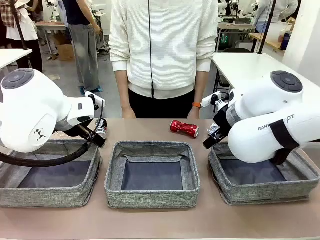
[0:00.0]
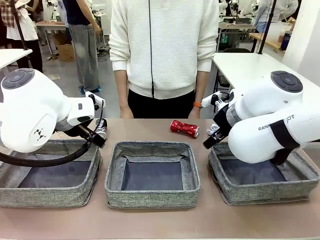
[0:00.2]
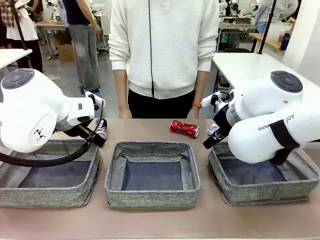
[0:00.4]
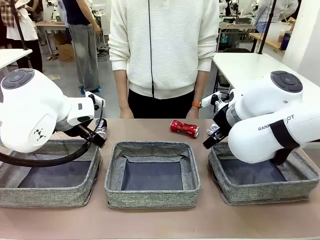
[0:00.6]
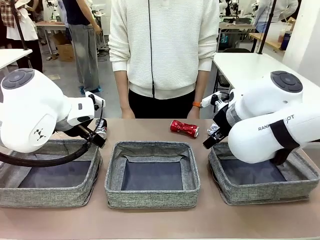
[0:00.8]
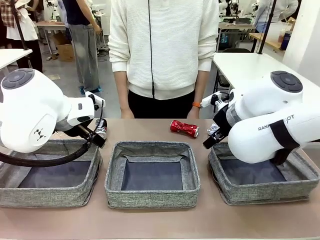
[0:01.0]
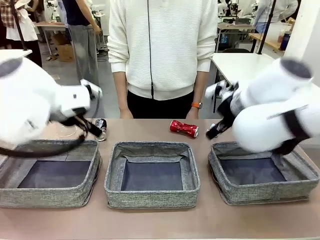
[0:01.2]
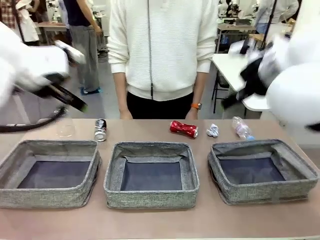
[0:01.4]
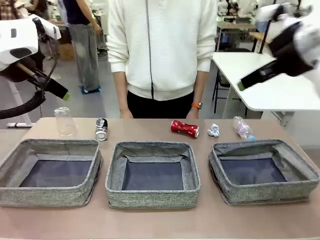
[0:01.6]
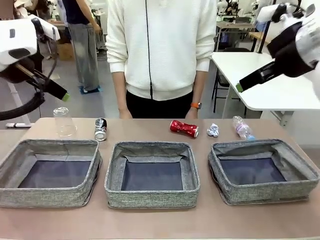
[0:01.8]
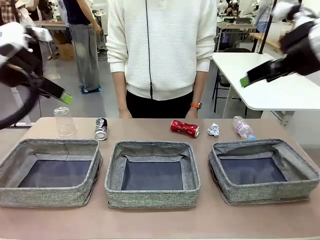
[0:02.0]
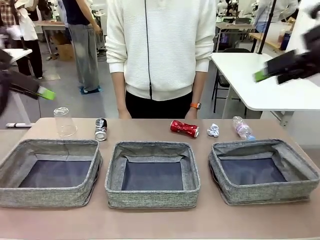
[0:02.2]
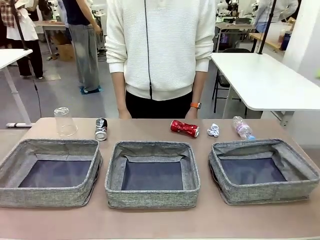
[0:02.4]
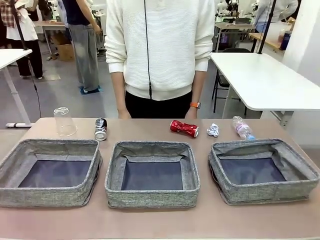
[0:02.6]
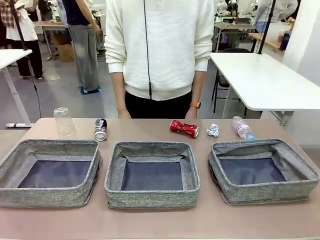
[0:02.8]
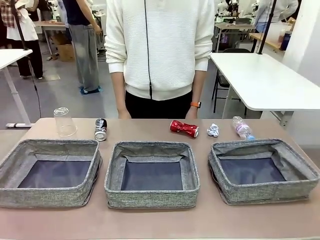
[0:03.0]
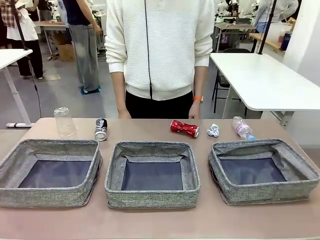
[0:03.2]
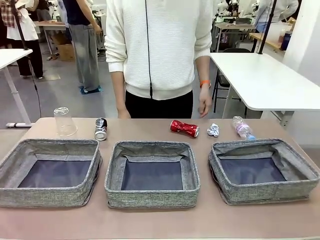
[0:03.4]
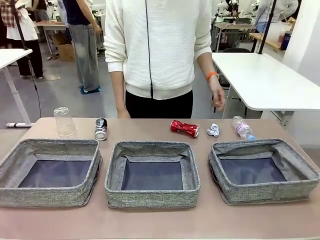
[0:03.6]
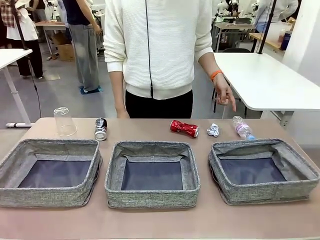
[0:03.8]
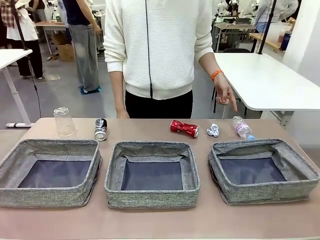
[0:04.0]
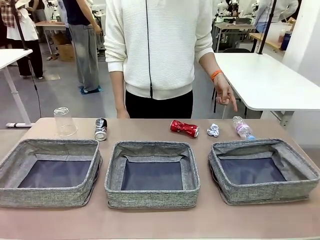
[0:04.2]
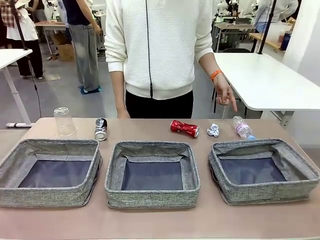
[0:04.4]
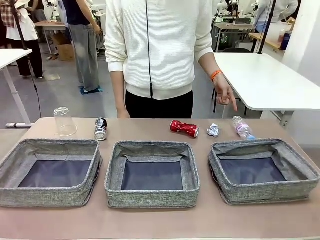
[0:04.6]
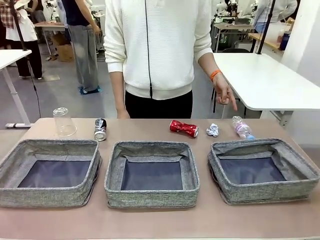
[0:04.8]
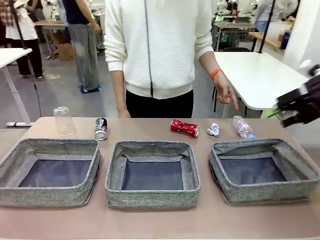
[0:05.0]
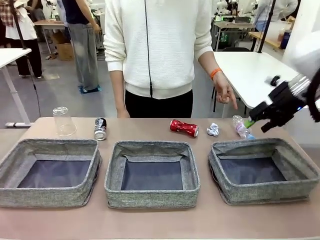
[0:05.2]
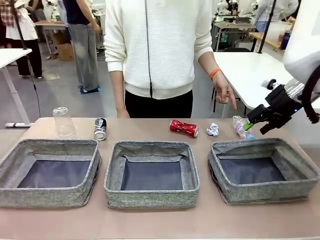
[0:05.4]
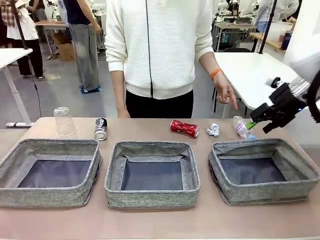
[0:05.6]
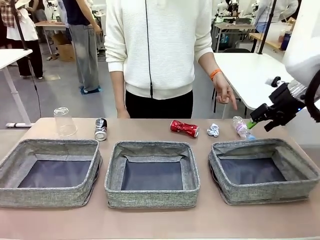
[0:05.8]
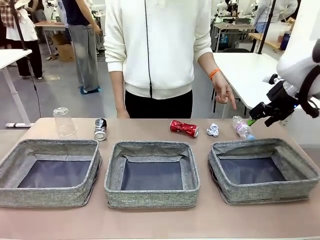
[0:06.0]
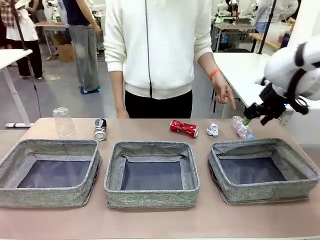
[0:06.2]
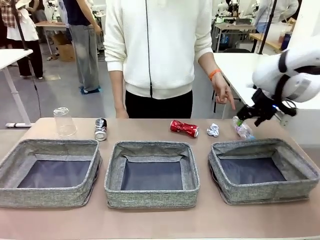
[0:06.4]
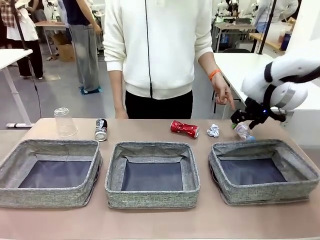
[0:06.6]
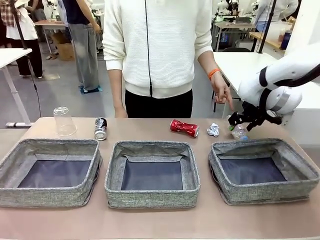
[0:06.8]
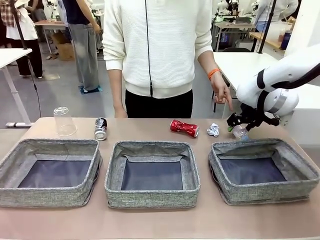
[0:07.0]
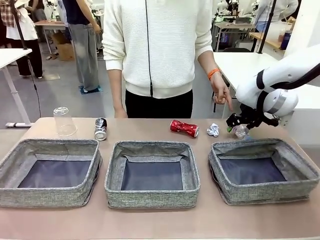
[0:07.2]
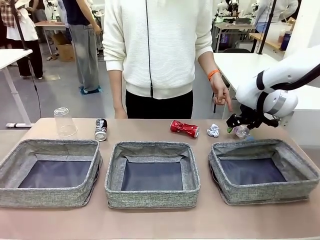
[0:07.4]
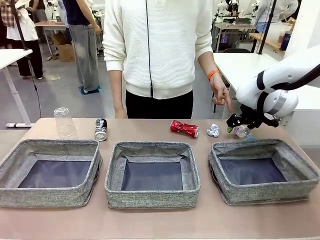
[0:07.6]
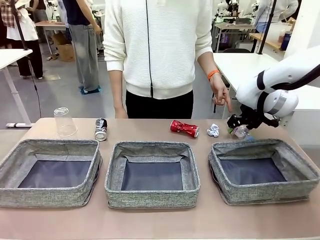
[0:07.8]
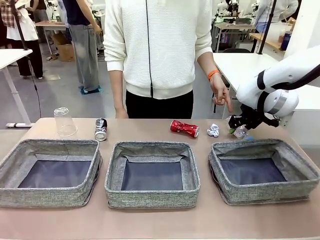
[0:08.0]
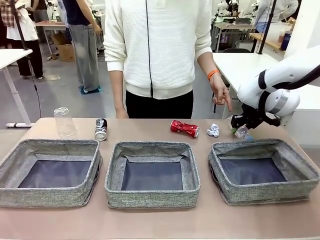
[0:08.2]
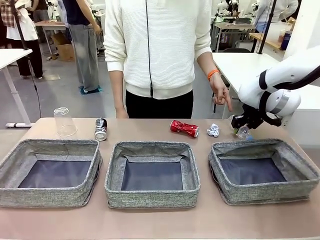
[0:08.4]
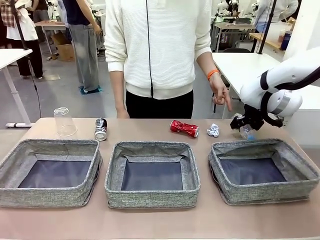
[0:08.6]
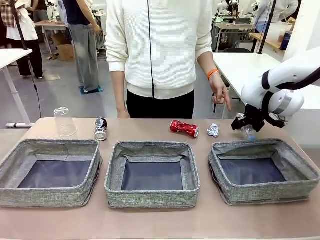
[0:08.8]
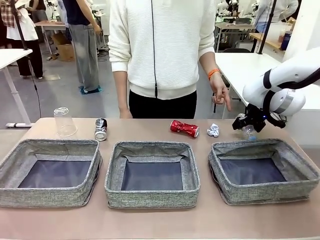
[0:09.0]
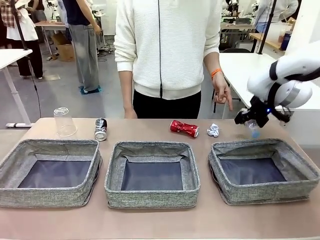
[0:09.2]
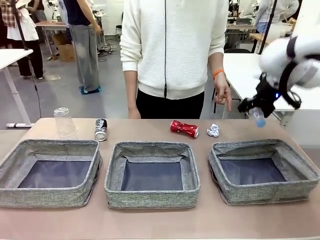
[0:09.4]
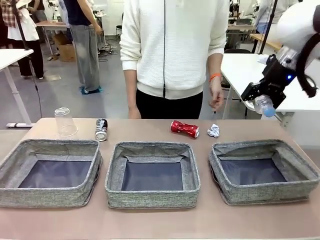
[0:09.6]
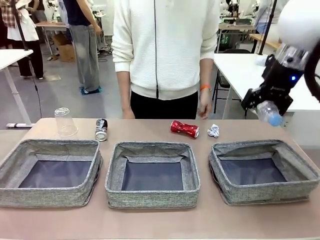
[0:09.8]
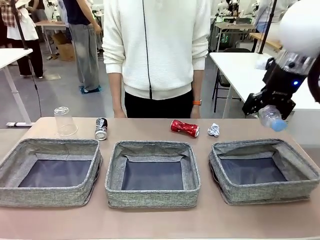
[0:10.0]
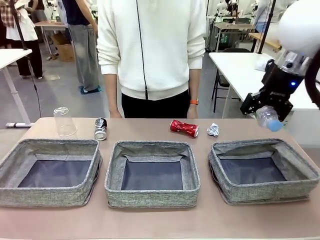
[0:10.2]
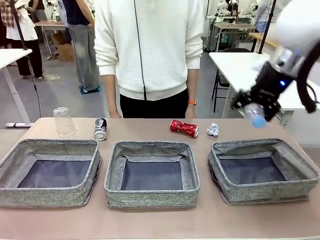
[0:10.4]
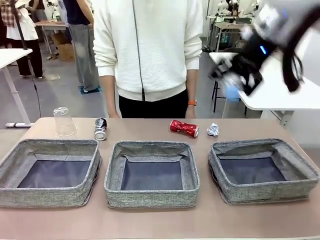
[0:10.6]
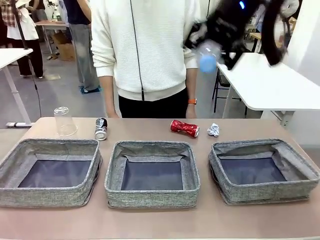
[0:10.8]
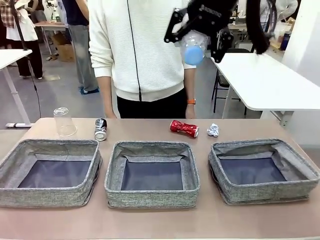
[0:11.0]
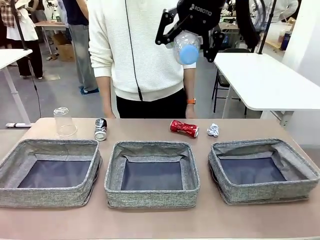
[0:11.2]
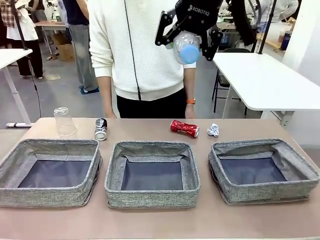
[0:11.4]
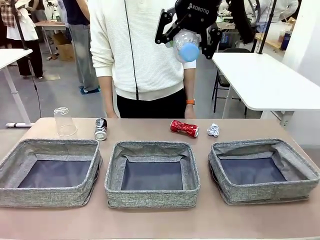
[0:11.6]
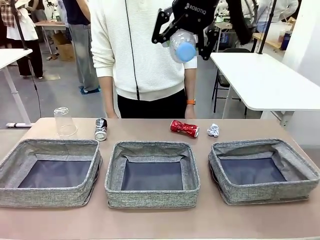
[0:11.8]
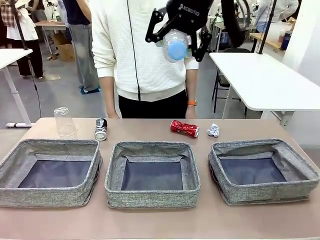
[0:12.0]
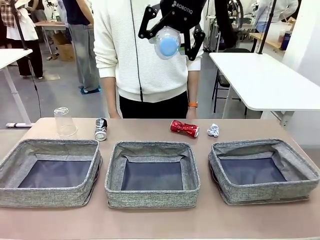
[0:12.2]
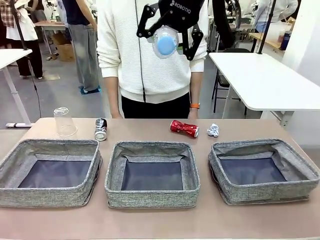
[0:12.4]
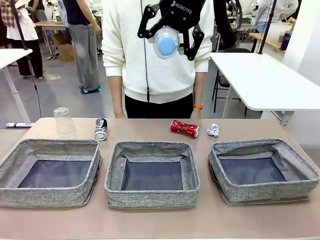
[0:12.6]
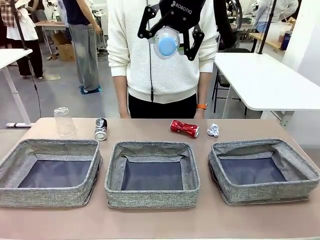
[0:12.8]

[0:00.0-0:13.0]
Task: Sort the waste into the appropriate baskets.
Robot: Pick up the waste item pointed out by the person.
Person: Points to one piece of trash on the table.

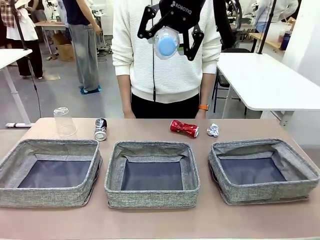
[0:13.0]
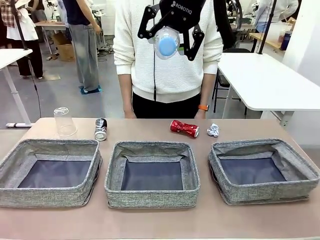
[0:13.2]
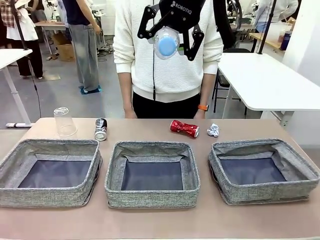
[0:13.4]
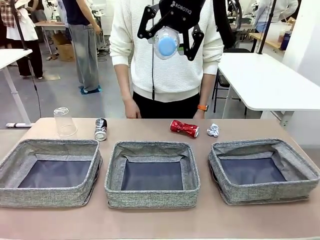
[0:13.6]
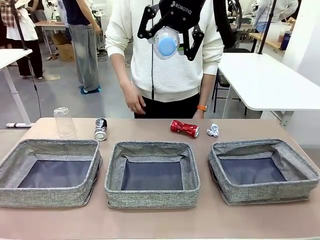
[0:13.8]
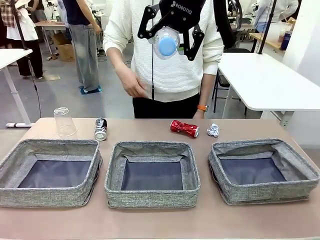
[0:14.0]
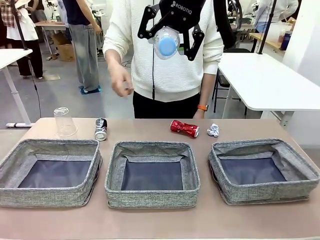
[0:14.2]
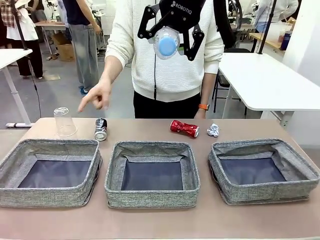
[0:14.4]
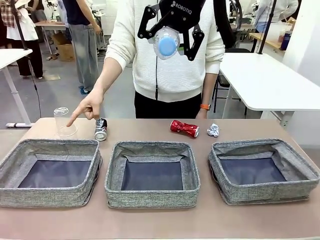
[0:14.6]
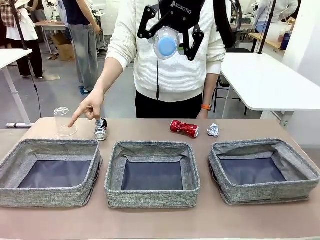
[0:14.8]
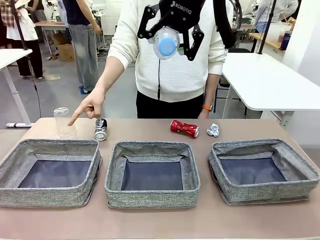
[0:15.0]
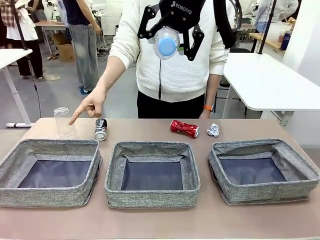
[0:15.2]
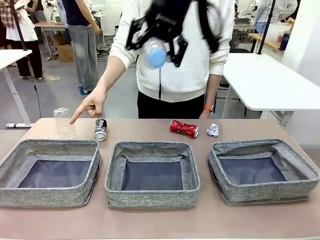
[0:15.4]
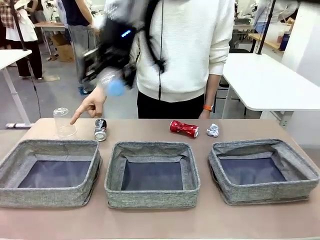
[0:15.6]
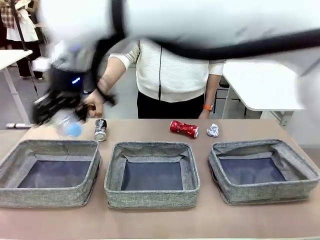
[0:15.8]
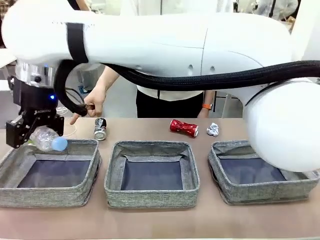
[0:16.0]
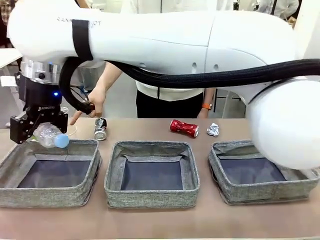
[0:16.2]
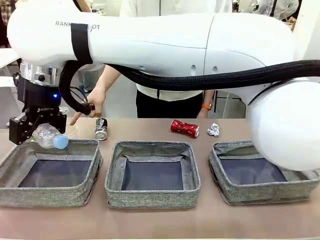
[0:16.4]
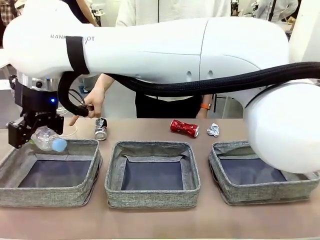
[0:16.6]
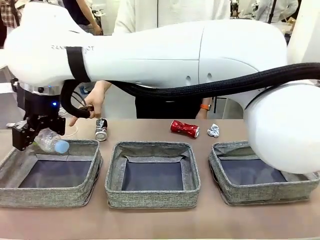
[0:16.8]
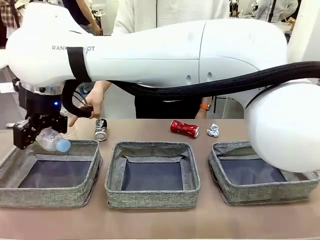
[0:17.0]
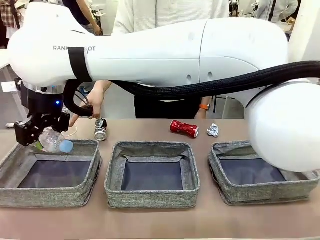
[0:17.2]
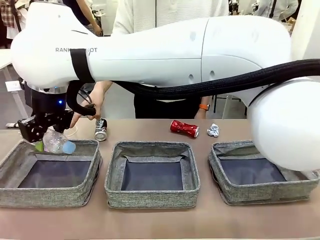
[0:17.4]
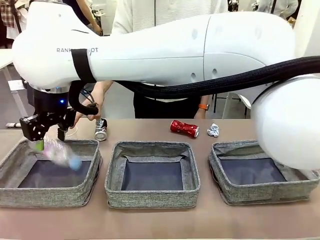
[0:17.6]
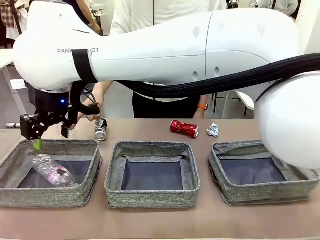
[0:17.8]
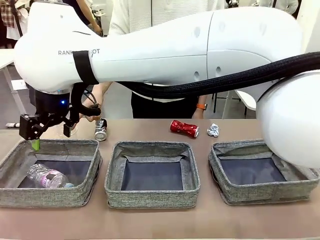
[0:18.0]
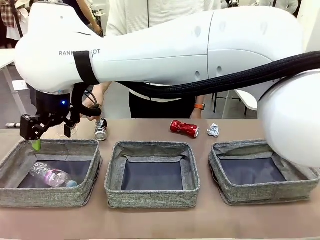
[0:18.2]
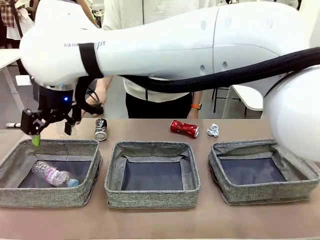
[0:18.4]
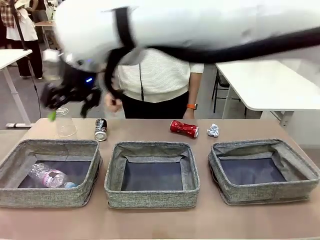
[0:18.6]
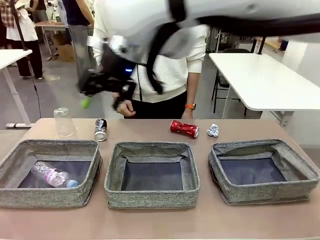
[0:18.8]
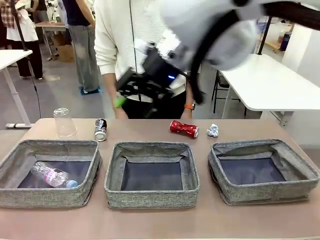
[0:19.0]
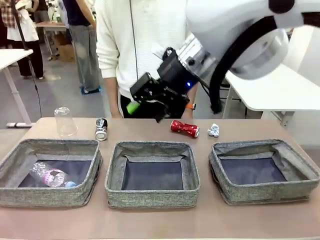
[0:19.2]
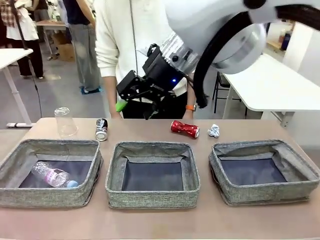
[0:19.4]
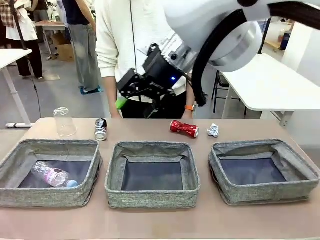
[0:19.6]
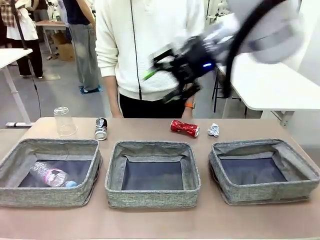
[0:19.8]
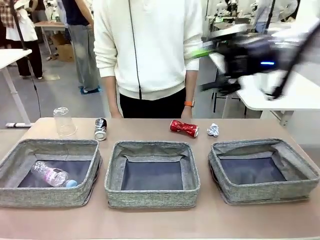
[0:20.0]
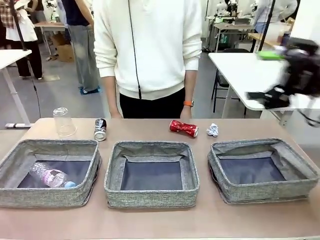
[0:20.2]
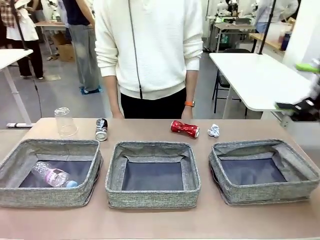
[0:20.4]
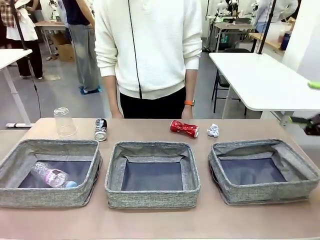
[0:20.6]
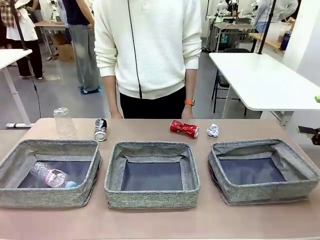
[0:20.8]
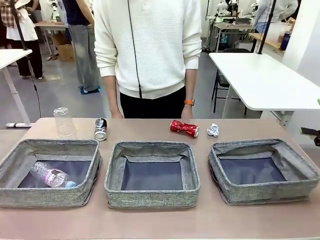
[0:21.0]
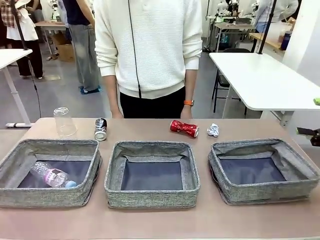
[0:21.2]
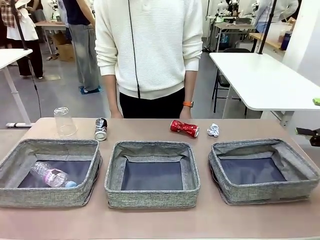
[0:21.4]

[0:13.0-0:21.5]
Robot: Place the picked waste into the Fabric basket indicated by the person.
Person: Instructs the robot to place the picked-up trash into the appropriate organizing basket.
